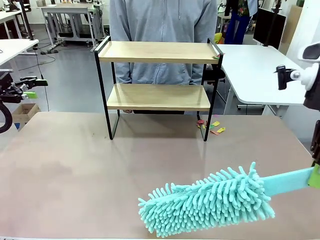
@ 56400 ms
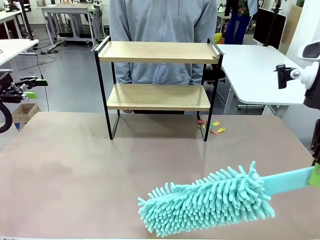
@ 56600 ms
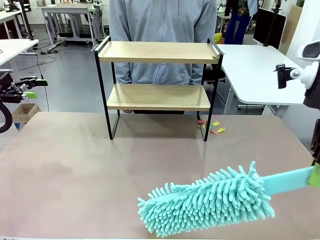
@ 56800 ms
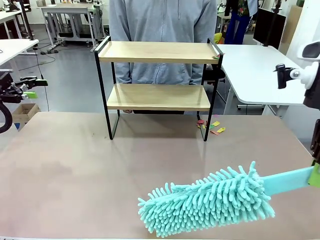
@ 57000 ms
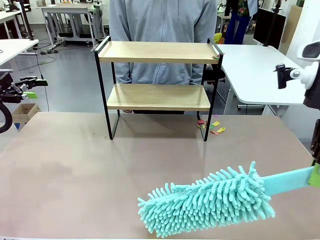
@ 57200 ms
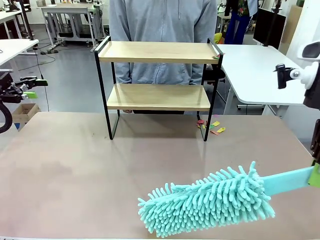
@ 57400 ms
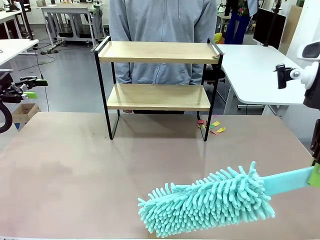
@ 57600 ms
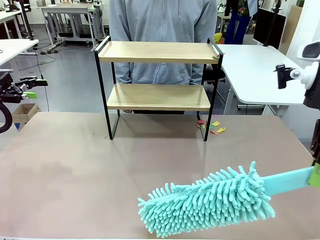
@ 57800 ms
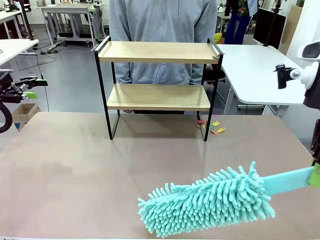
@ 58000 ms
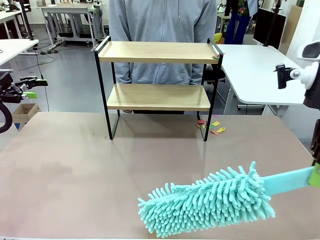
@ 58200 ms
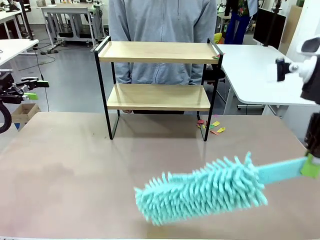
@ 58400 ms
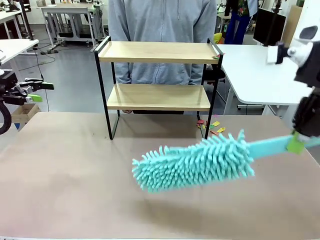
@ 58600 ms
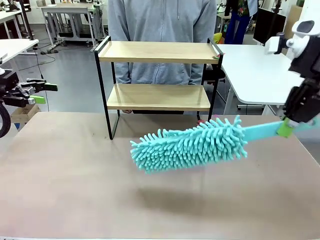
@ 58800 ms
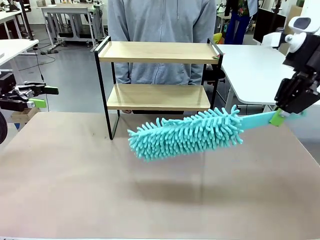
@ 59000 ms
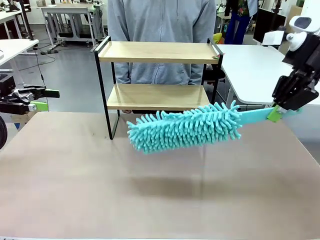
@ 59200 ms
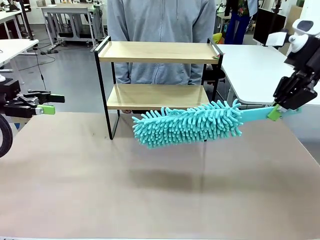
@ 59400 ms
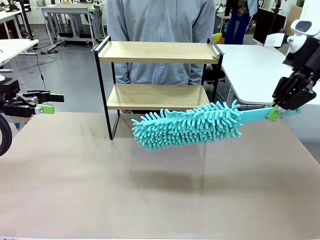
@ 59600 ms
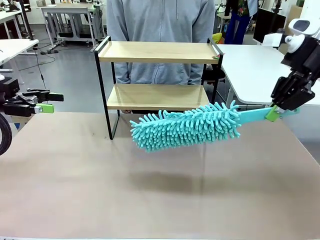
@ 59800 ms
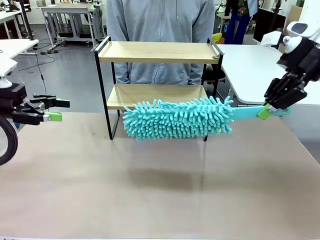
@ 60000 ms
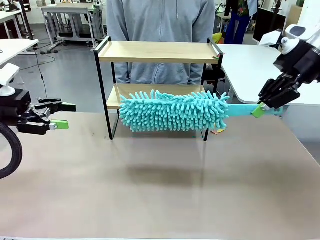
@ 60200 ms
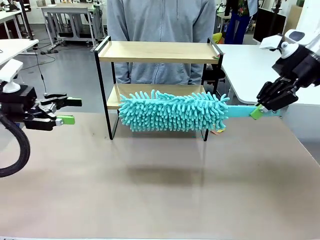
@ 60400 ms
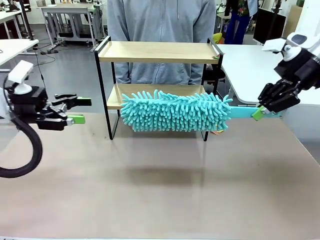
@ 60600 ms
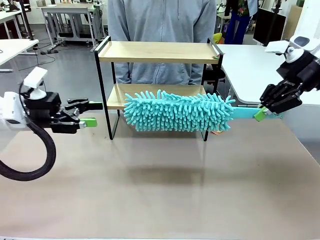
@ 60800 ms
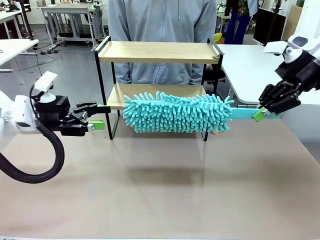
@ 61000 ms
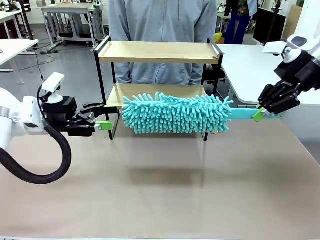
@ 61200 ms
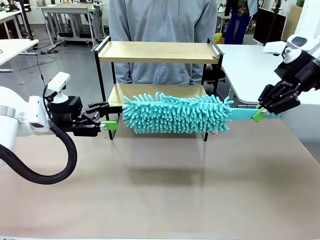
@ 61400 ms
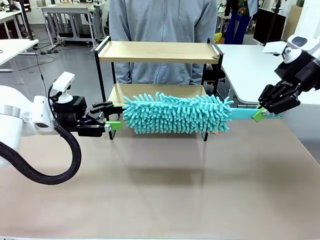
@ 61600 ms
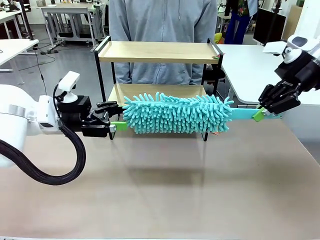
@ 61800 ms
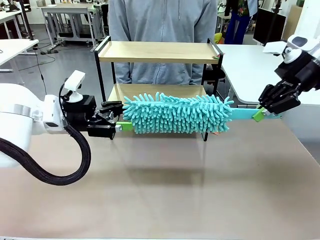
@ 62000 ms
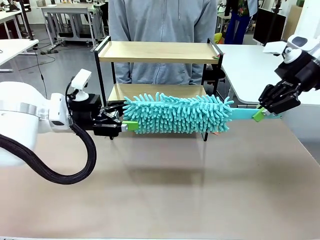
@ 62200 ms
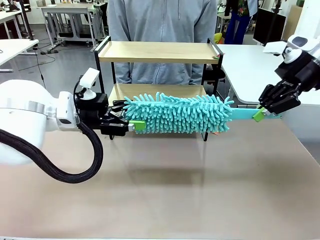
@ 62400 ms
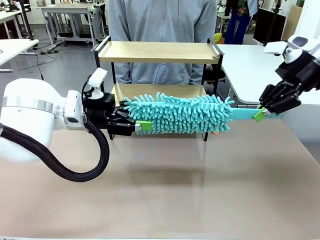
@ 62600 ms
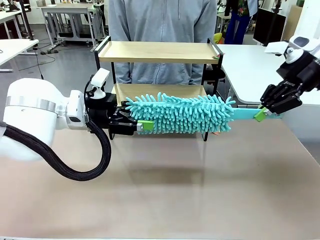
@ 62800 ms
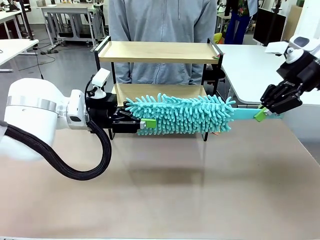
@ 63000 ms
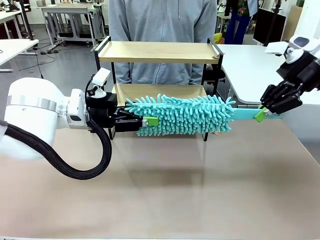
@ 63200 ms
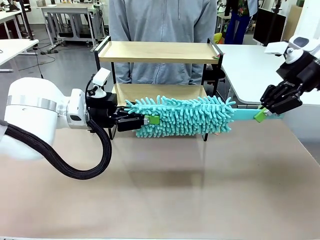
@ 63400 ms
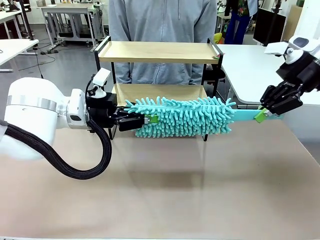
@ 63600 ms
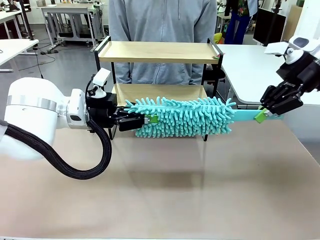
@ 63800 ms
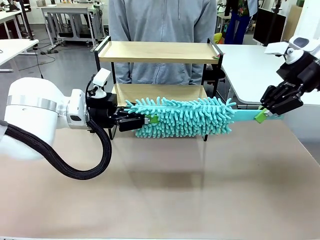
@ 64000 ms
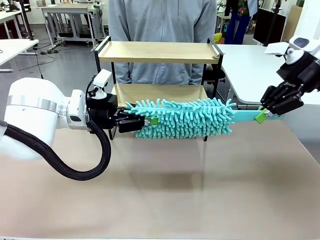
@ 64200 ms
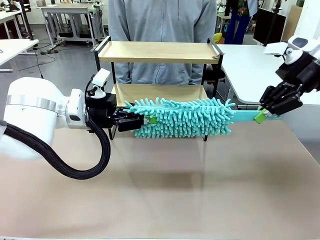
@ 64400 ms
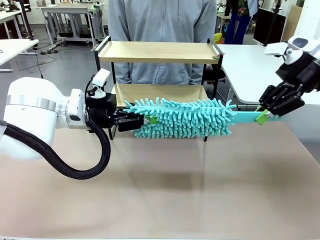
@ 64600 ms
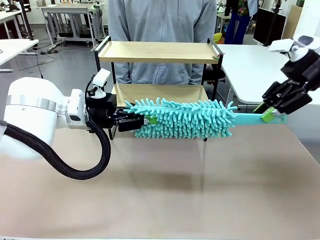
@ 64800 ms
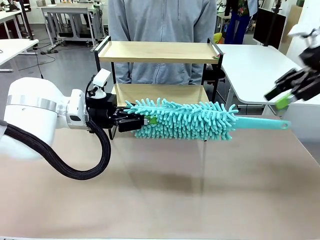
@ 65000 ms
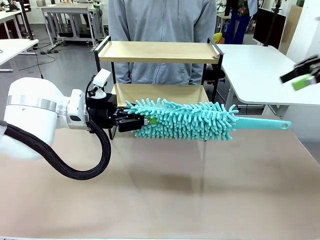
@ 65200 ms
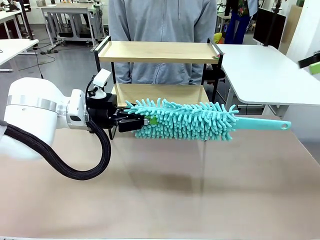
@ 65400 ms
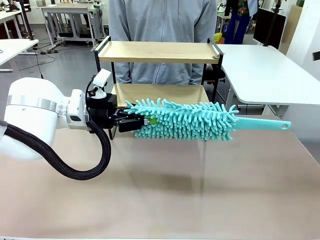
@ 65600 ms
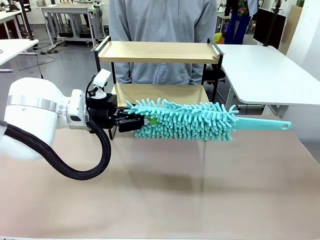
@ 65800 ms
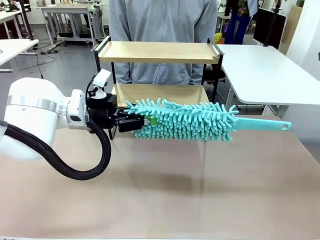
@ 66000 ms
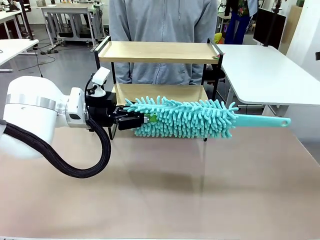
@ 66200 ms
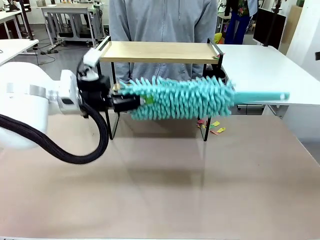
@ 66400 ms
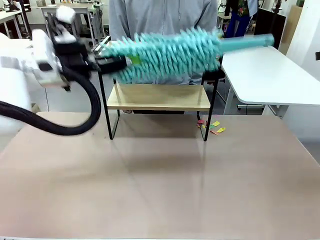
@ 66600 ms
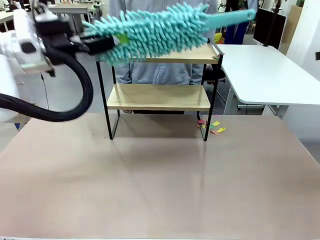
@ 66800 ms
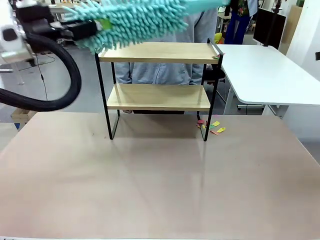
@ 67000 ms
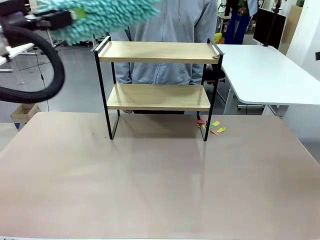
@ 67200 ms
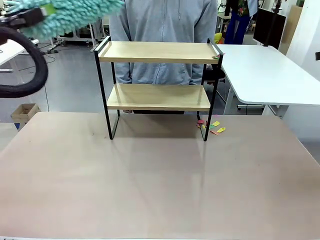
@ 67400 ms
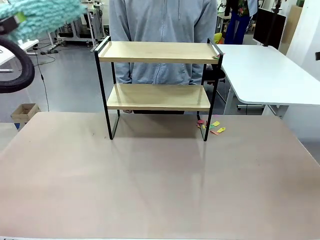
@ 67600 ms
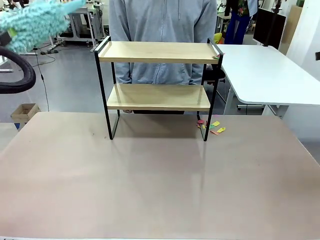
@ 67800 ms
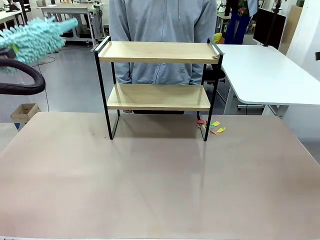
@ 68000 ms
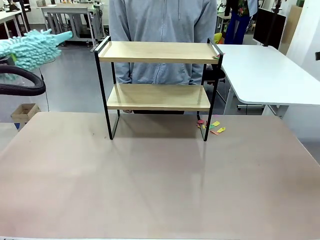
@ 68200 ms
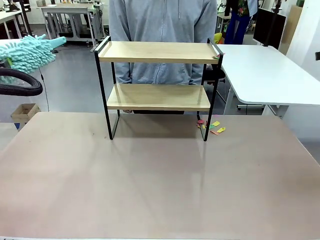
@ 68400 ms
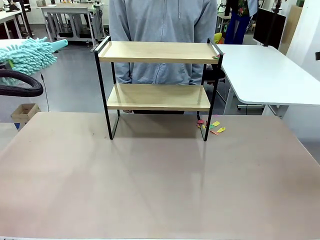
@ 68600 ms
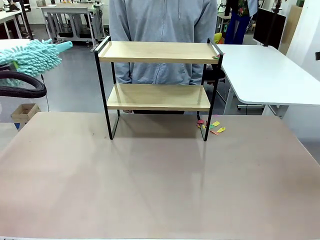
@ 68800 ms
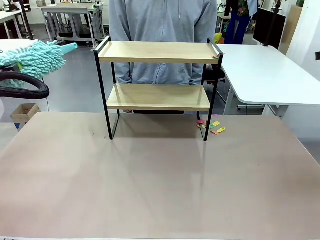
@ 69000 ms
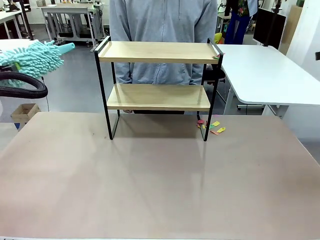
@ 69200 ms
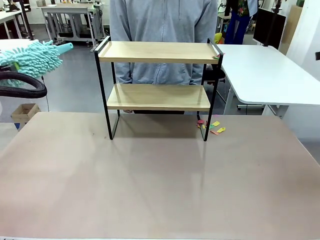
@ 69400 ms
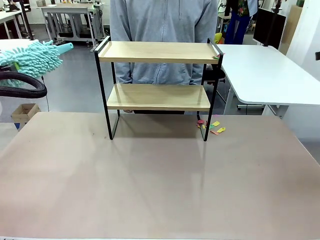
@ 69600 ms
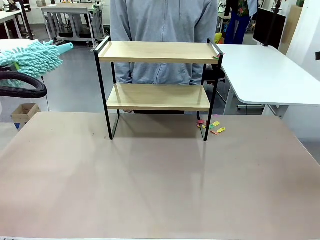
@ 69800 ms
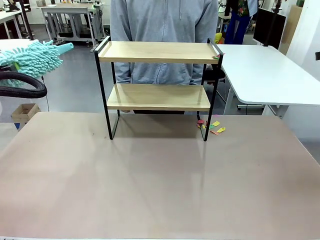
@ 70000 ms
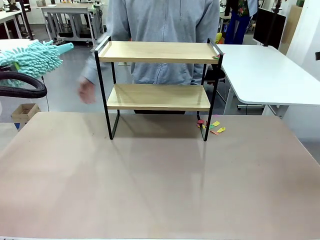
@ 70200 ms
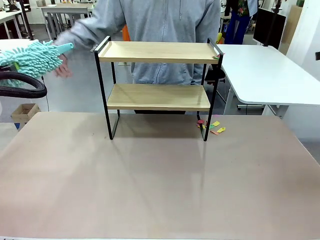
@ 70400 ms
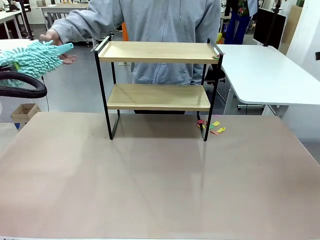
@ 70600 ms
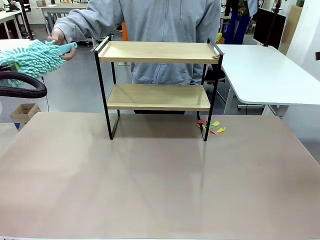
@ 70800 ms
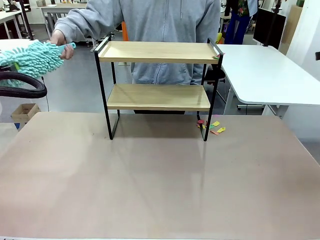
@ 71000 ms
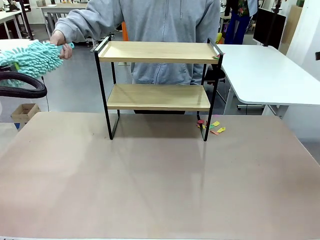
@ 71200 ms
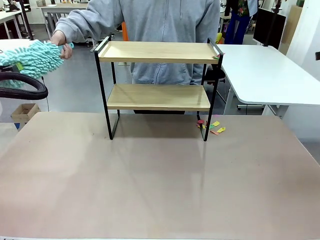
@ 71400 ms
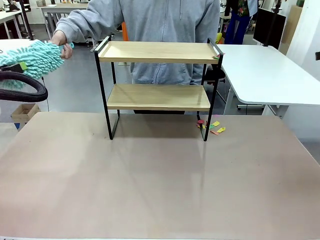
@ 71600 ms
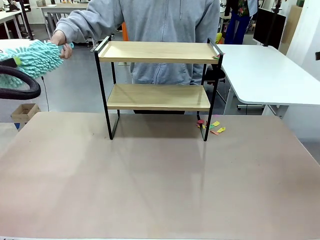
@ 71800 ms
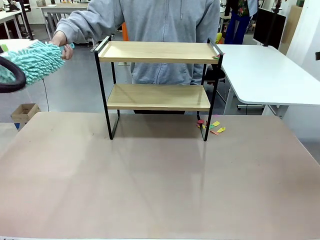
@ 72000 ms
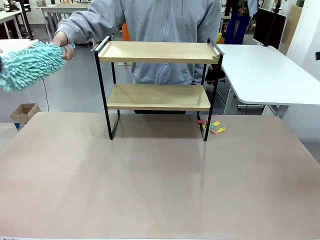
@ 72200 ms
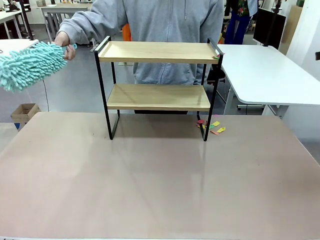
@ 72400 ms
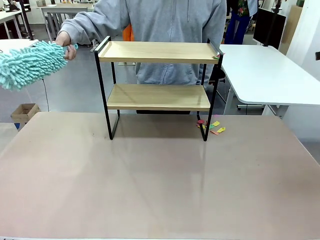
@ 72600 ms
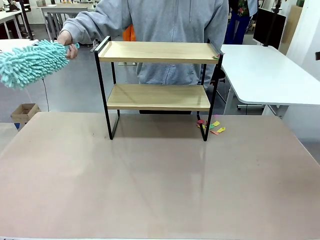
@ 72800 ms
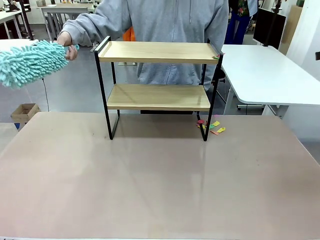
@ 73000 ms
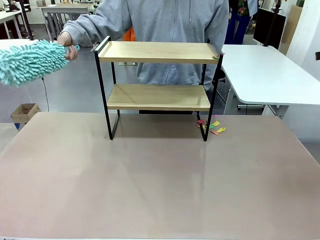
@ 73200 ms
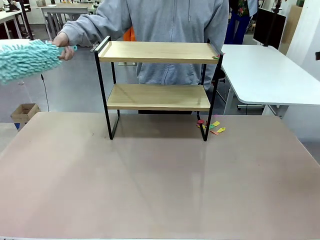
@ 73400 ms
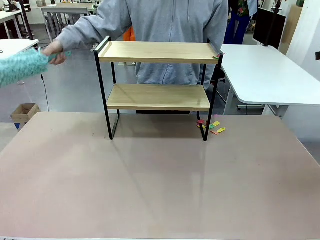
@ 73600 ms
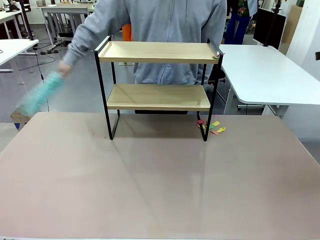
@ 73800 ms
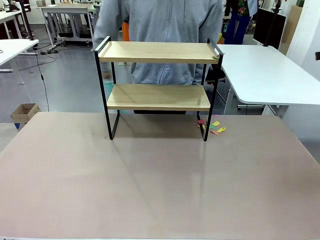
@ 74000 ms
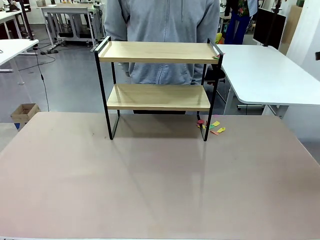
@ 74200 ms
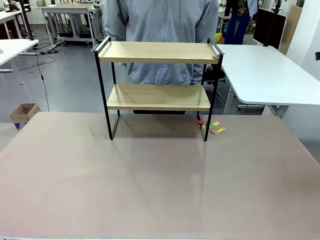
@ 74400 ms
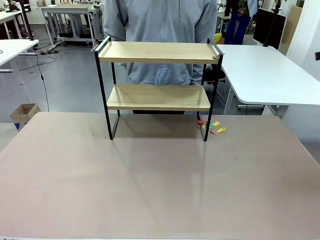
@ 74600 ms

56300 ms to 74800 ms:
Task: Clean the shelf.
Robot: Hand the Duster back to the human.
Person: Receive the Duster from the robot.
